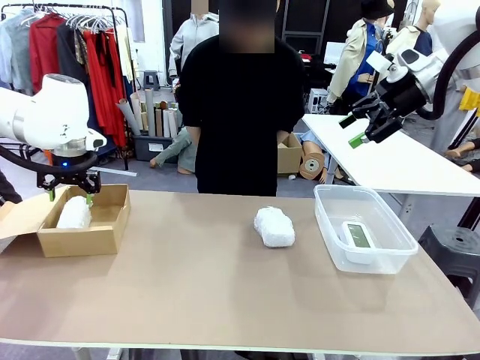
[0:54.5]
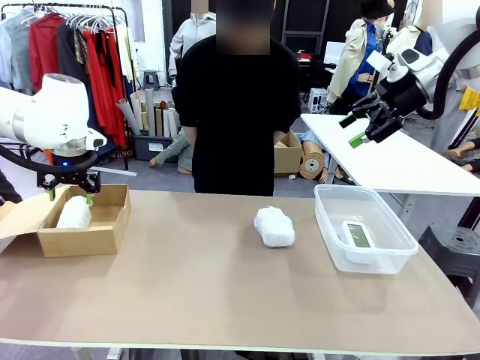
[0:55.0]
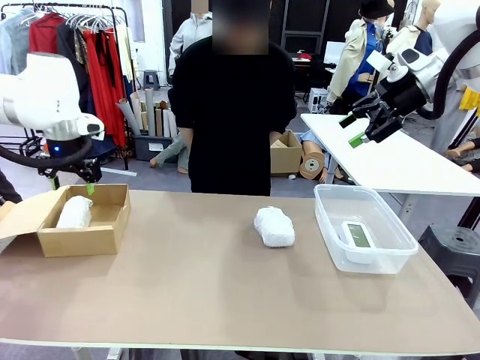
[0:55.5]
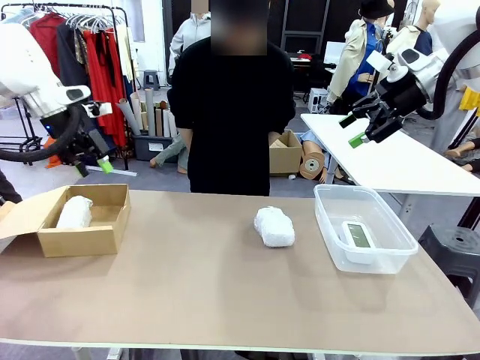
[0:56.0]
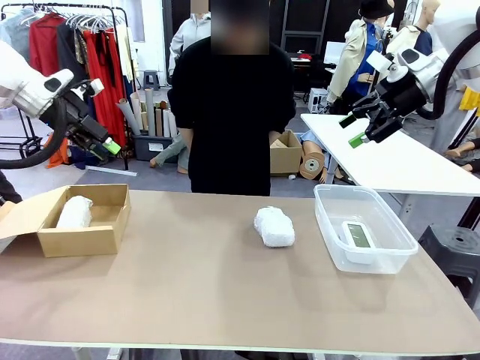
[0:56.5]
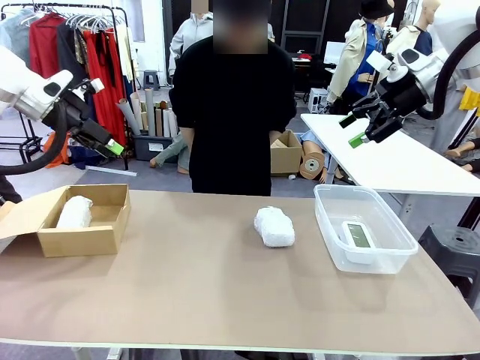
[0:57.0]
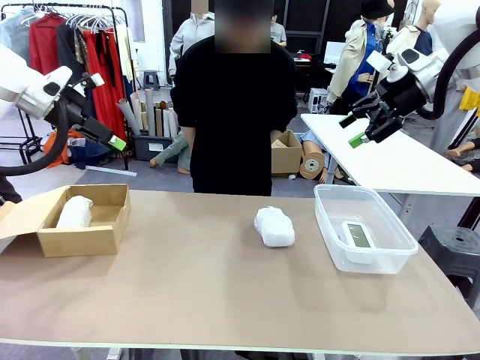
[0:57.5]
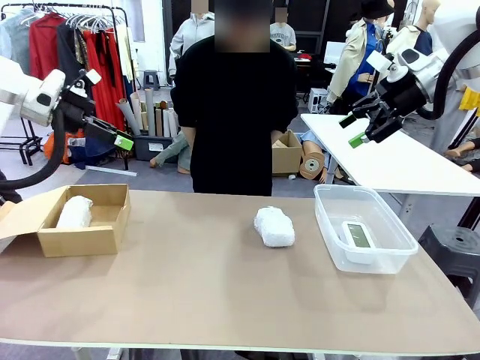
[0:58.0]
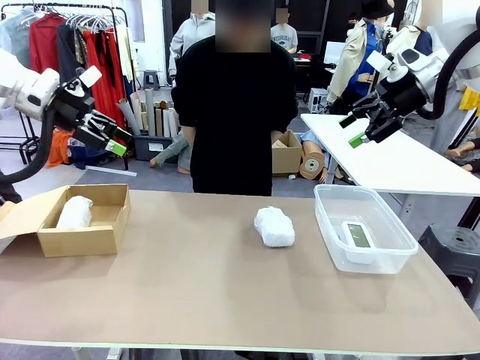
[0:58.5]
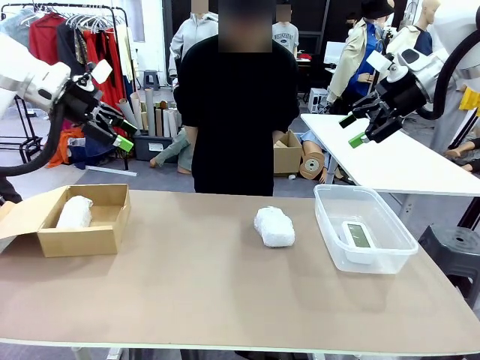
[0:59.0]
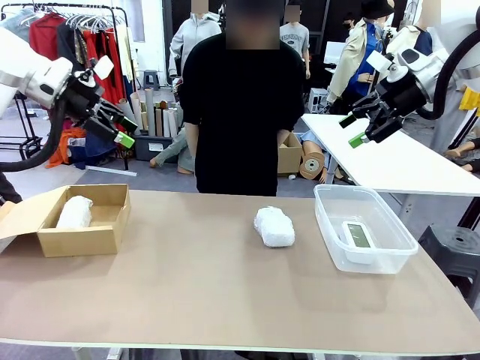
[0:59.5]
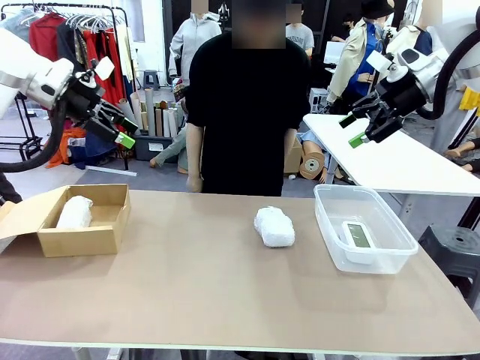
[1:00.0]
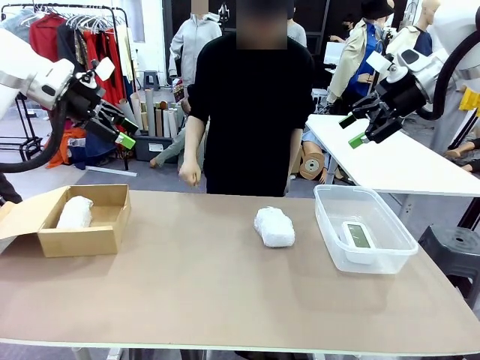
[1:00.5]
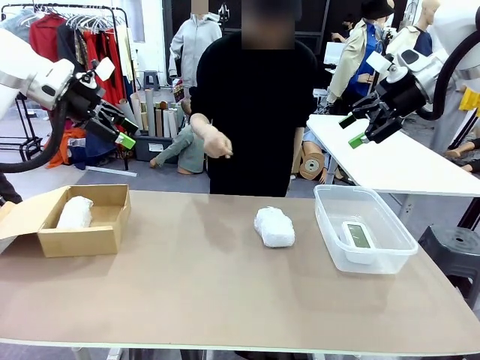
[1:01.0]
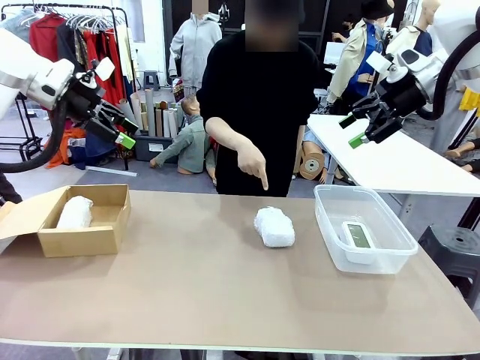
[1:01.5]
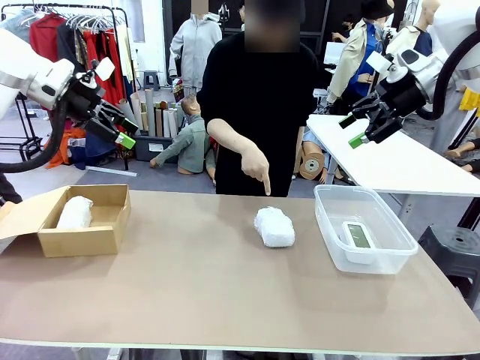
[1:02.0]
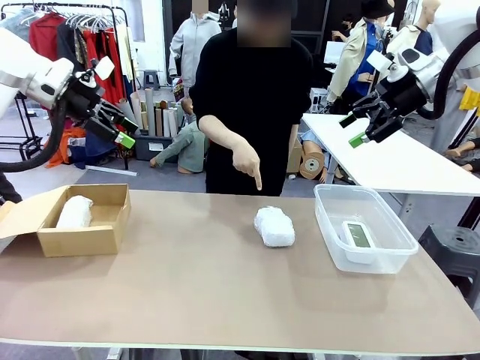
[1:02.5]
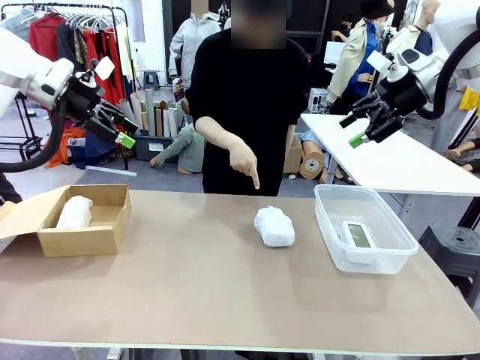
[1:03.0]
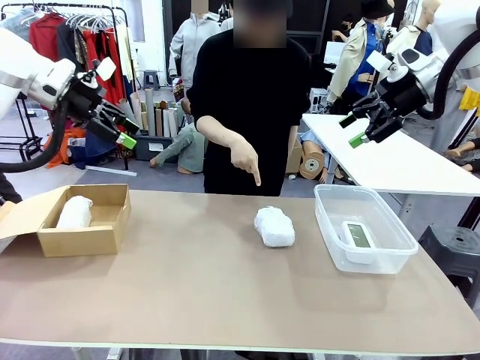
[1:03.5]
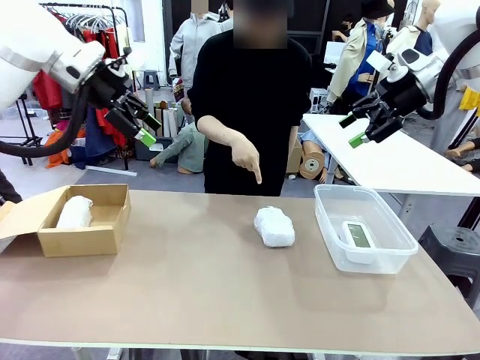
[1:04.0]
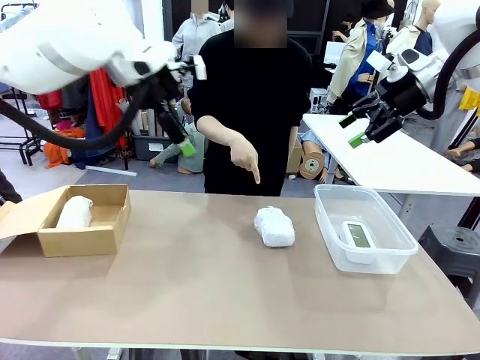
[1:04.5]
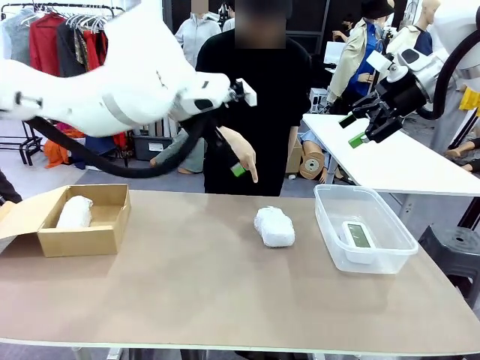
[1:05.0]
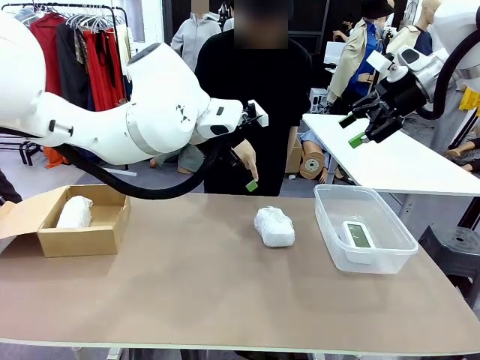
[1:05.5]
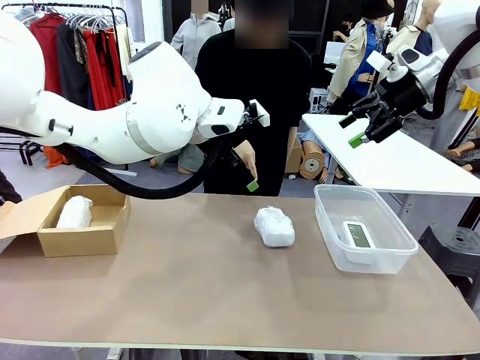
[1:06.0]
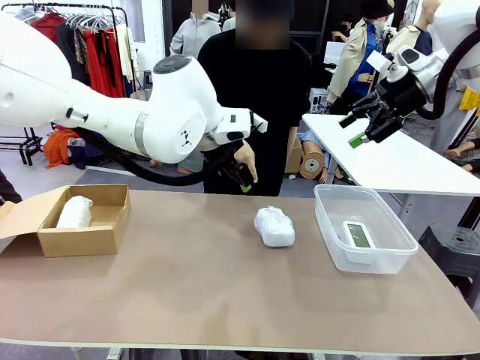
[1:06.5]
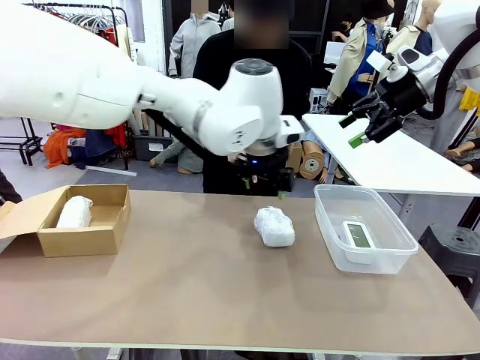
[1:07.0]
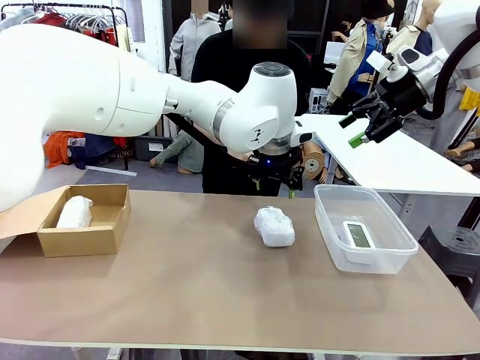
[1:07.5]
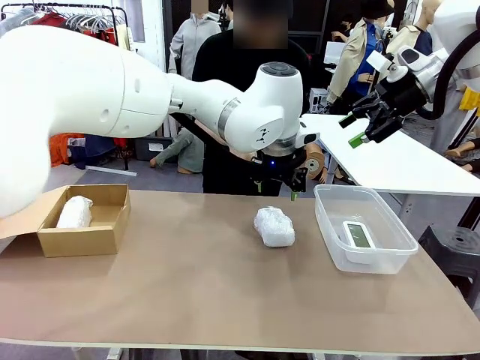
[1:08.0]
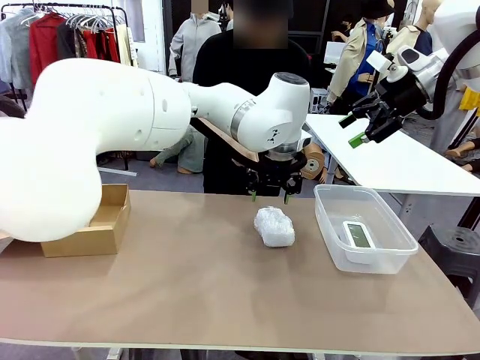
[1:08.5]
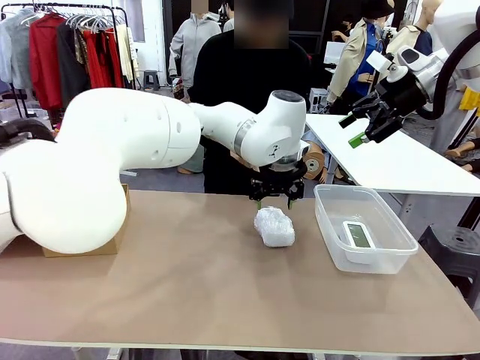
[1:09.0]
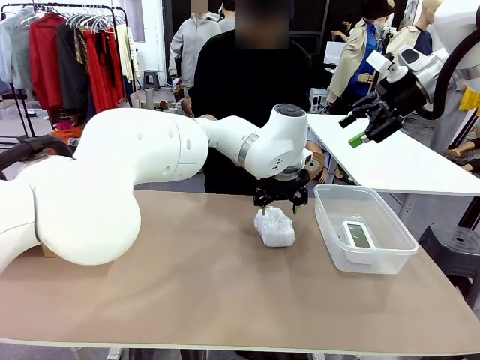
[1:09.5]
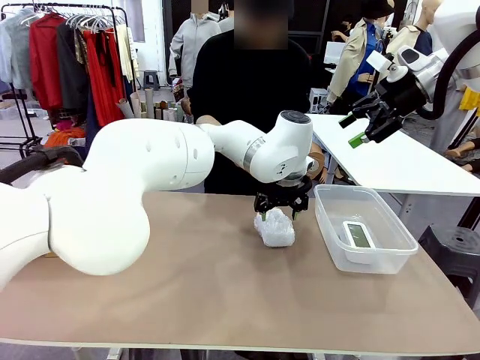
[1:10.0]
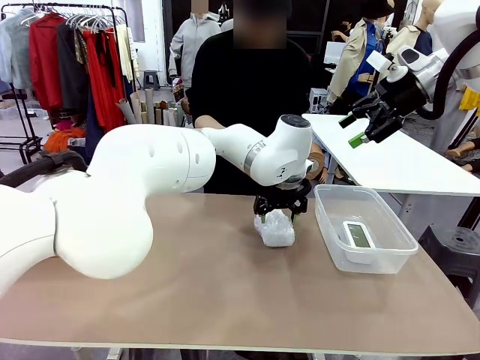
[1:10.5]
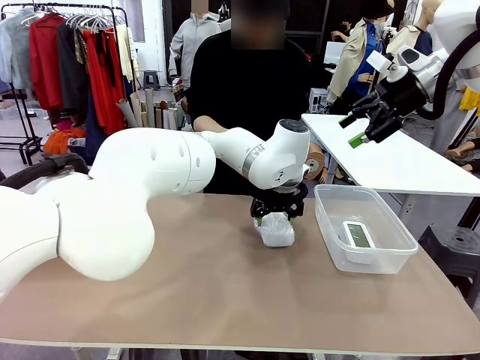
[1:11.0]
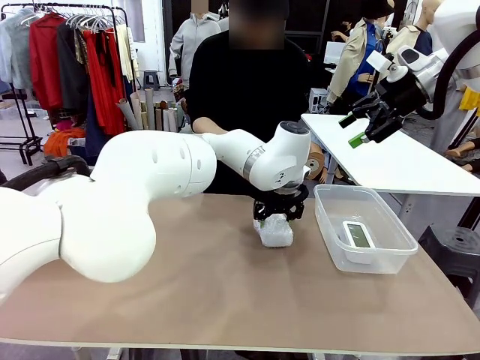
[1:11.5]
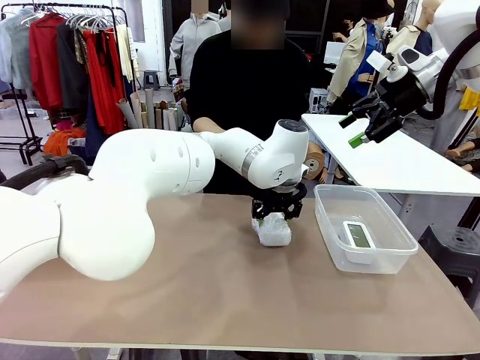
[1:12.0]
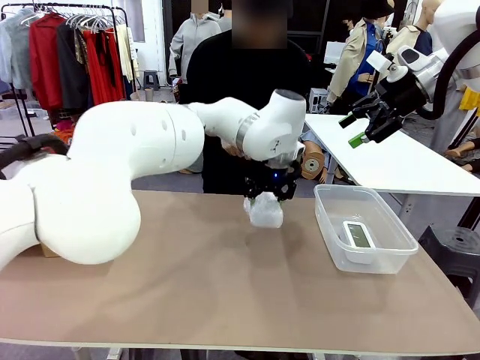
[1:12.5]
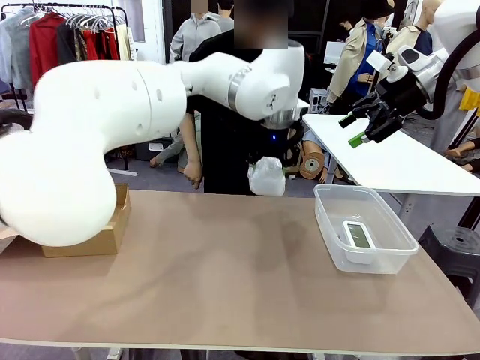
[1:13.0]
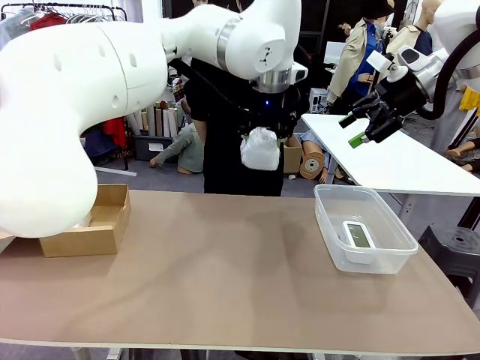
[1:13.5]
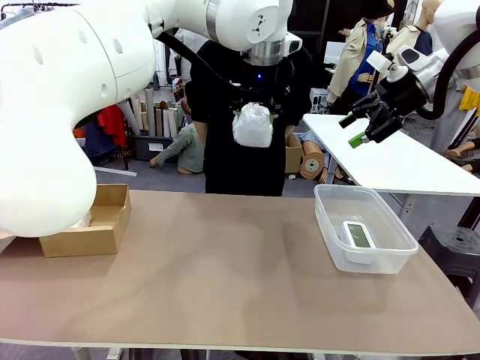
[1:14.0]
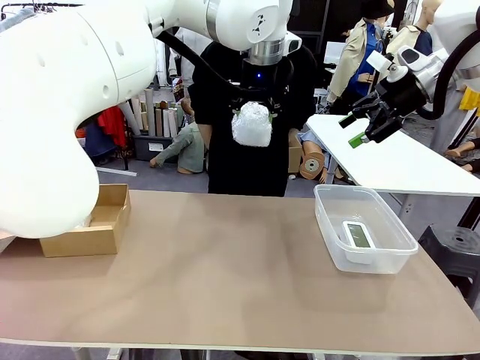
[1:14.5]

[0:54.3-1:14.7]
Task: Separate and place wrapped and unwrapped clocks.
Robot: Pick up the Digital clock indicated by the person.

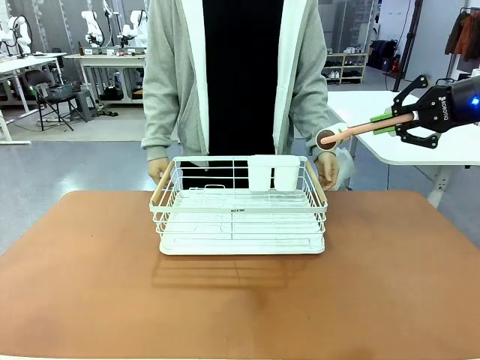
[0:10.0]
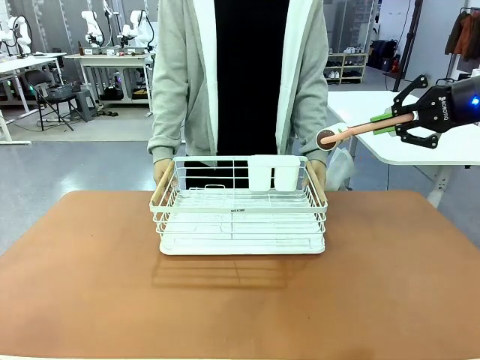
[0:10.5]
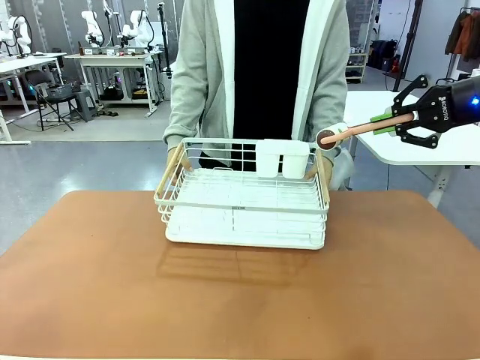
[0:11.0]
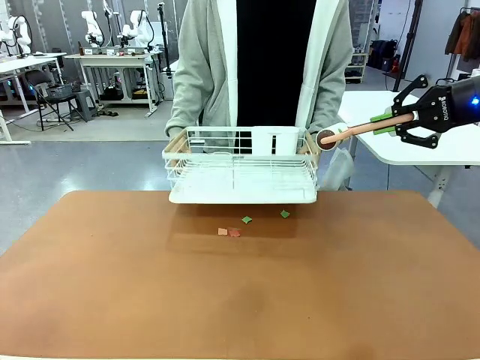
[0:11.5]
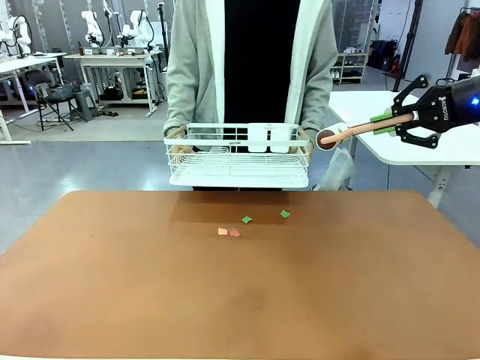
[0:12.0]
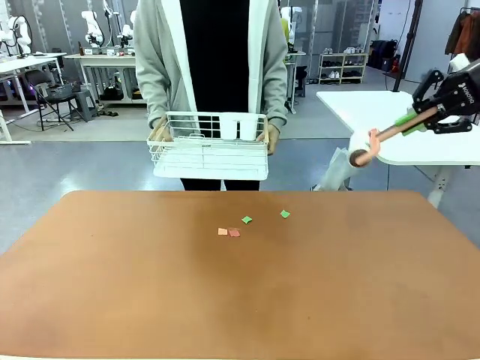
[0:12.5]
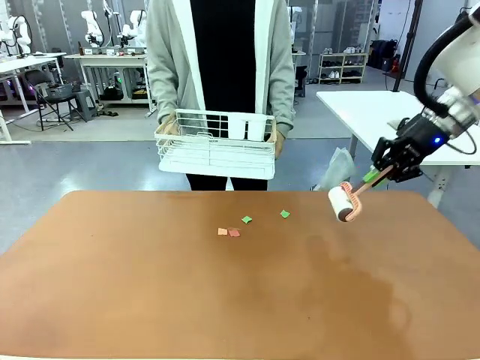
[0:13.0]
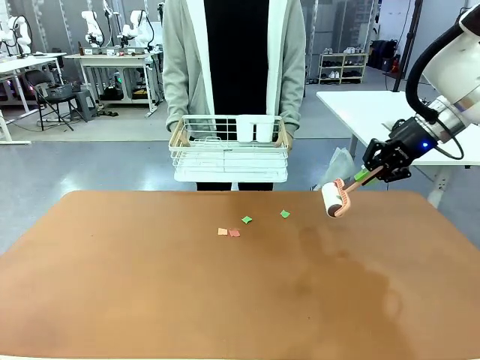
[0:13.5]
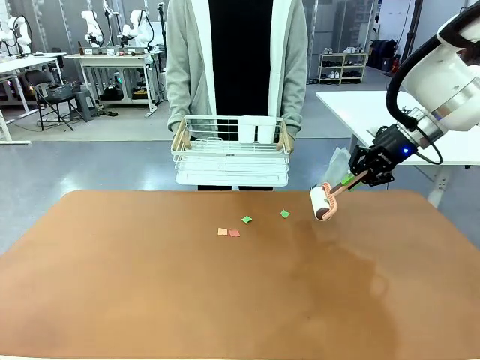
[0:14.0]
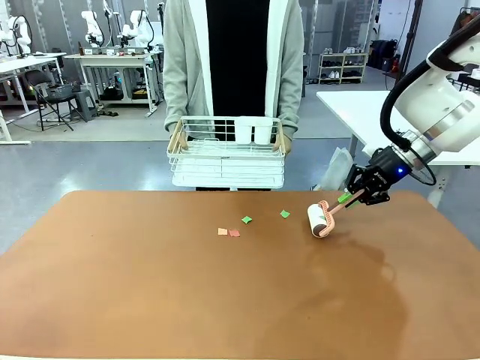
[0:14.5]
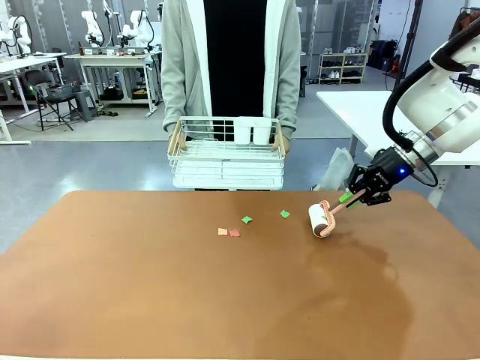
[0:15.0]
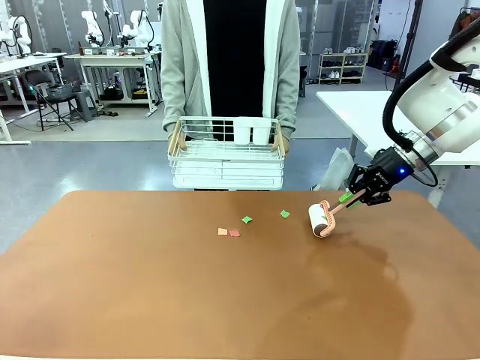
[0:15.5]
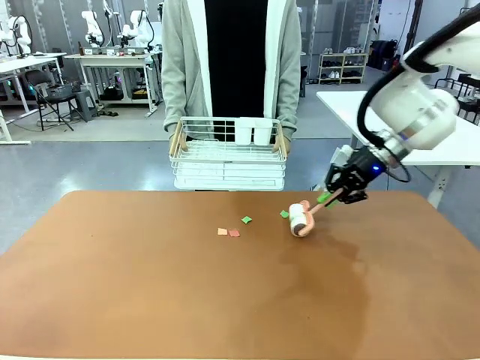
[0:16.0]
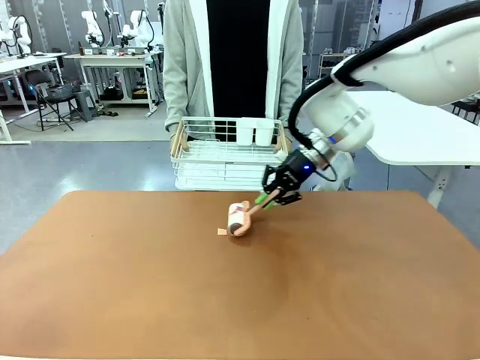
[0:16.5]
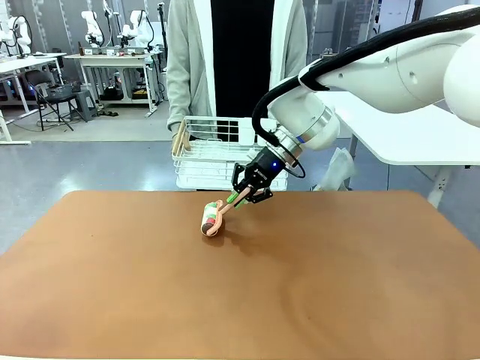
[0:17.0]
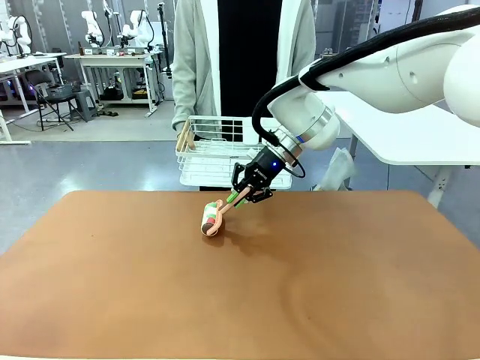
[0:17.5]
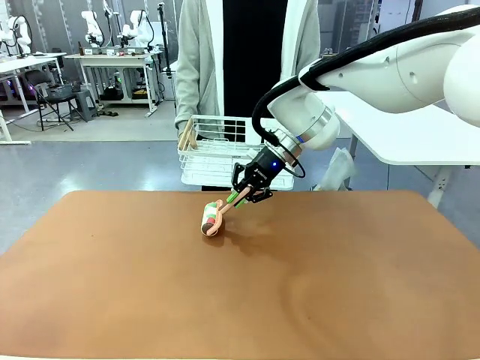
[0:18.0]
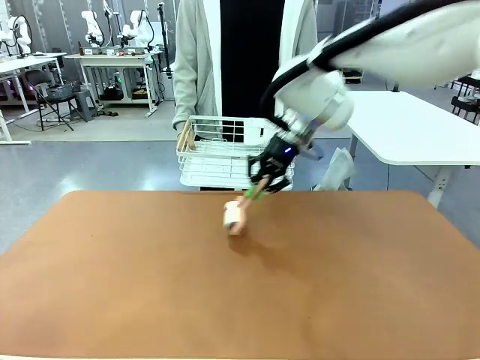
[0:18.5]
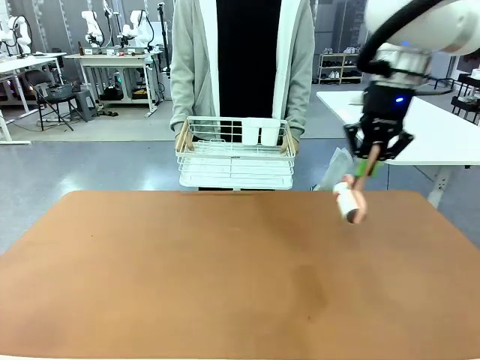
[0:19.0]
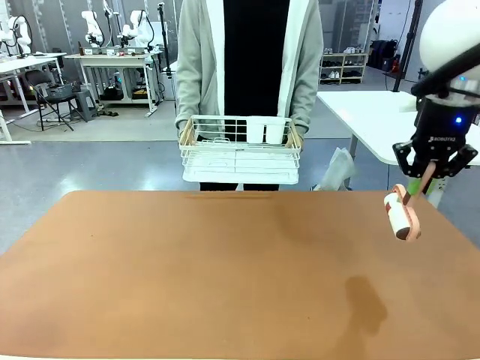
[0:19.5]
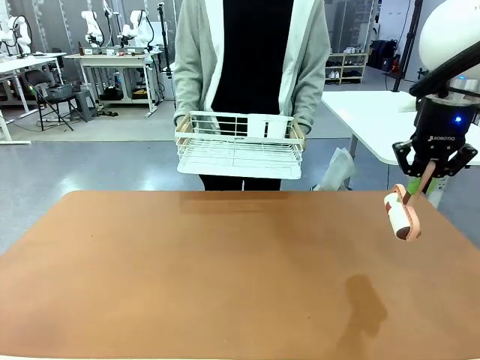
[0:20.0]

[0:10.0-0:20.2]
Task: Clean the table.
Robot: Clean the table with the Lint Roller when the human lifts the Dish drying rack.
Person: Place the Dish drying rack down when the robot finishes cleaning.
